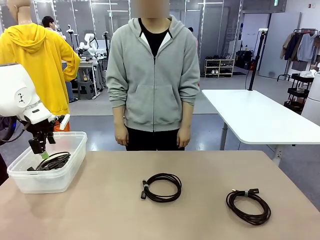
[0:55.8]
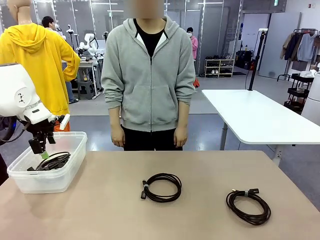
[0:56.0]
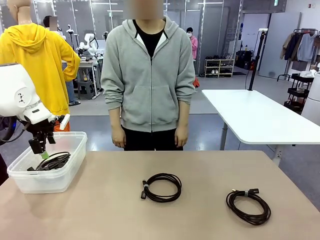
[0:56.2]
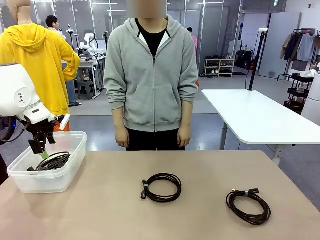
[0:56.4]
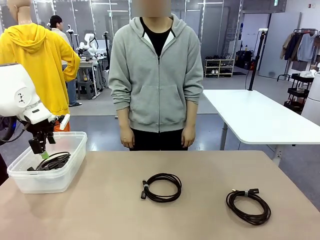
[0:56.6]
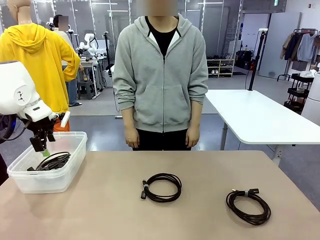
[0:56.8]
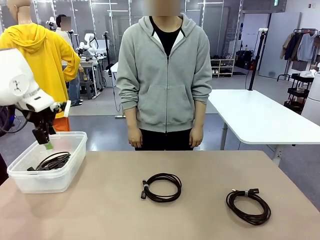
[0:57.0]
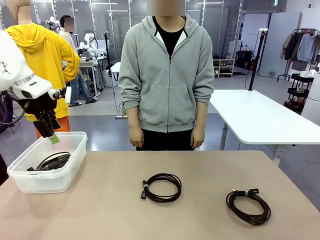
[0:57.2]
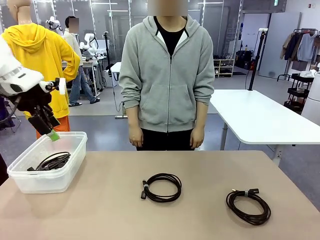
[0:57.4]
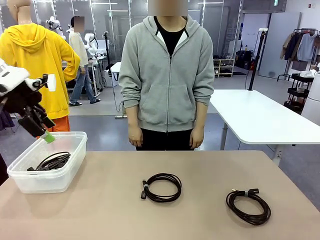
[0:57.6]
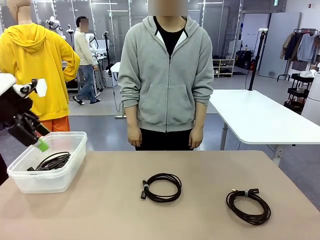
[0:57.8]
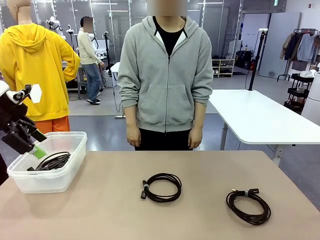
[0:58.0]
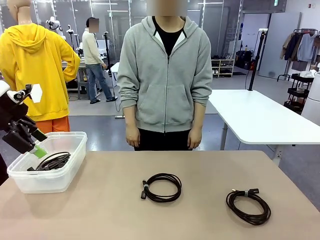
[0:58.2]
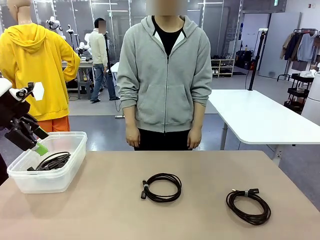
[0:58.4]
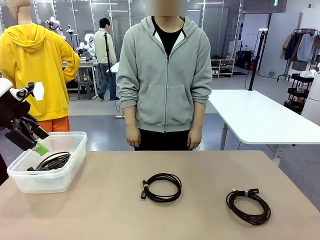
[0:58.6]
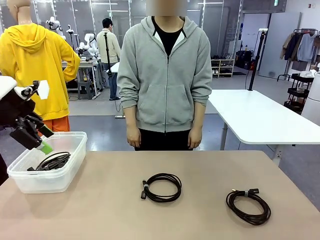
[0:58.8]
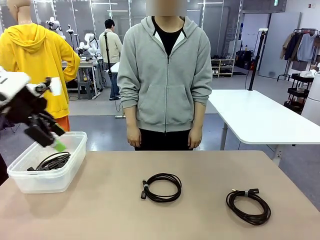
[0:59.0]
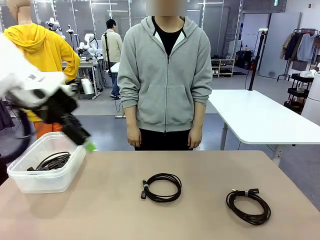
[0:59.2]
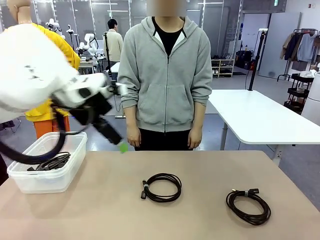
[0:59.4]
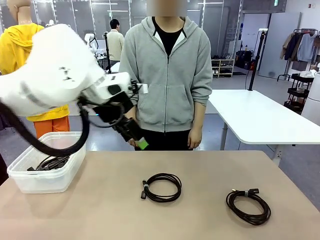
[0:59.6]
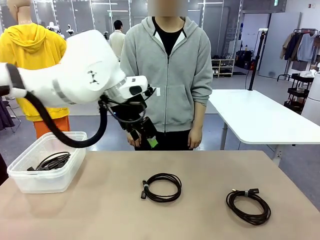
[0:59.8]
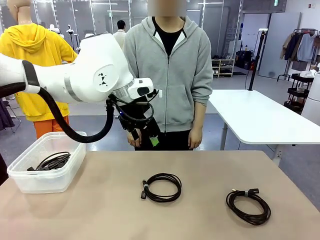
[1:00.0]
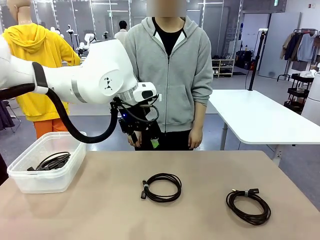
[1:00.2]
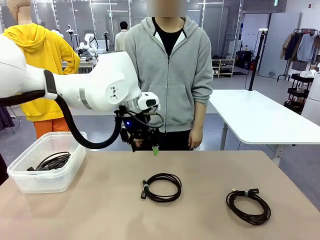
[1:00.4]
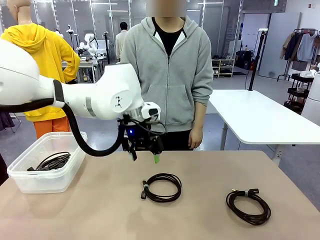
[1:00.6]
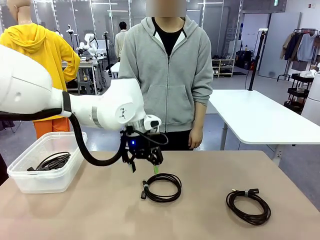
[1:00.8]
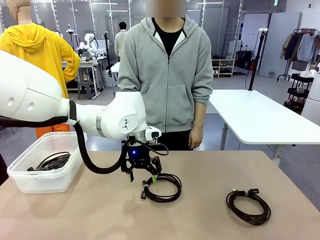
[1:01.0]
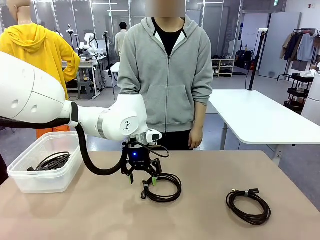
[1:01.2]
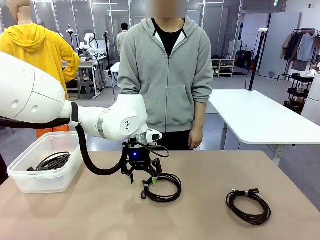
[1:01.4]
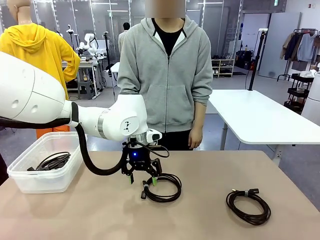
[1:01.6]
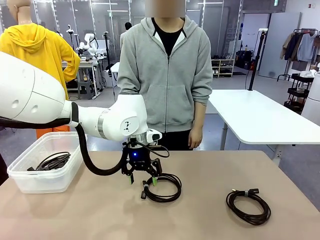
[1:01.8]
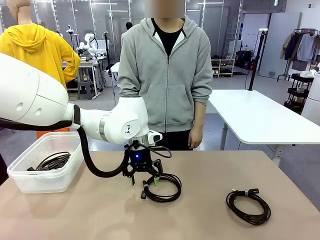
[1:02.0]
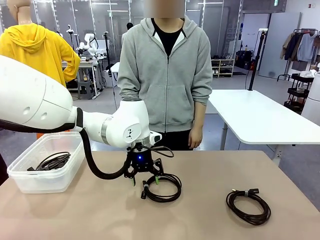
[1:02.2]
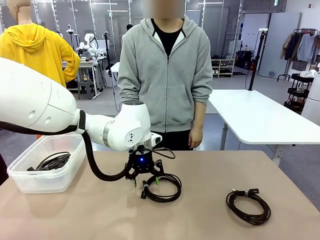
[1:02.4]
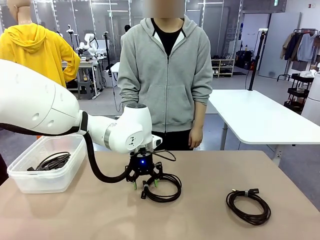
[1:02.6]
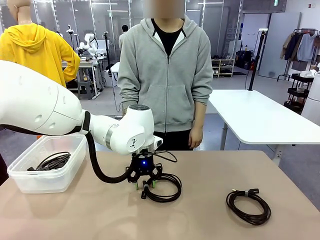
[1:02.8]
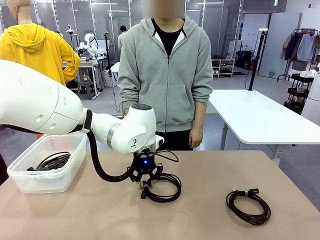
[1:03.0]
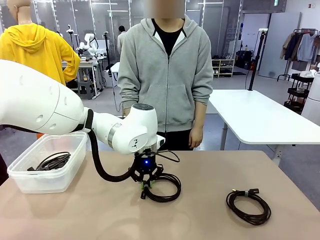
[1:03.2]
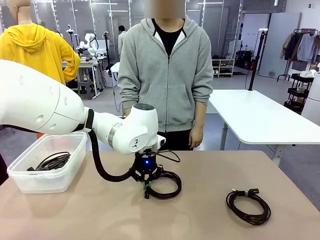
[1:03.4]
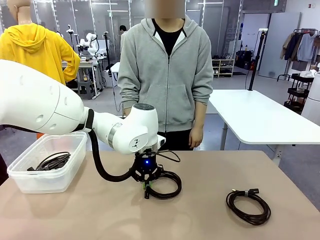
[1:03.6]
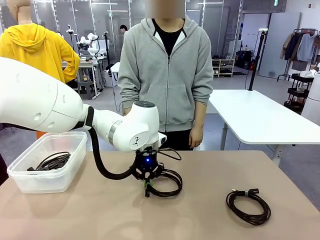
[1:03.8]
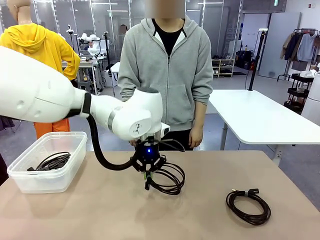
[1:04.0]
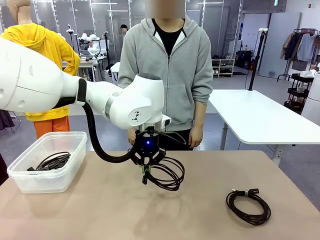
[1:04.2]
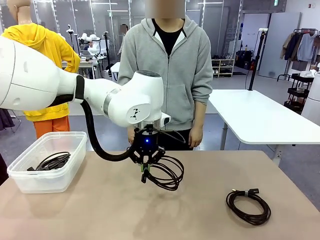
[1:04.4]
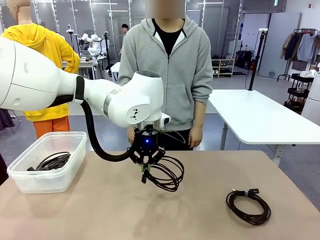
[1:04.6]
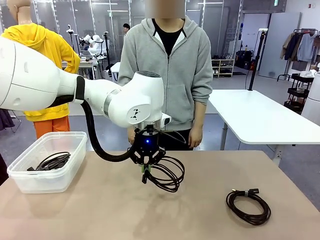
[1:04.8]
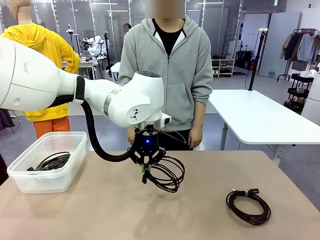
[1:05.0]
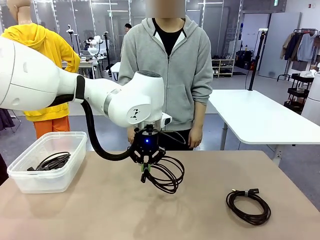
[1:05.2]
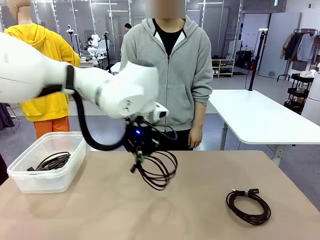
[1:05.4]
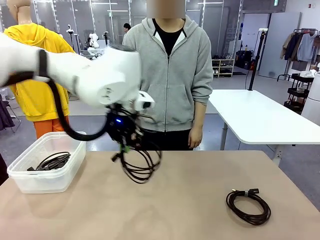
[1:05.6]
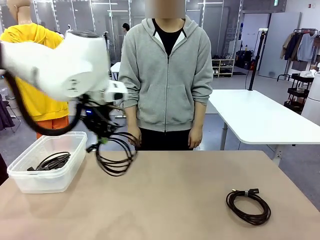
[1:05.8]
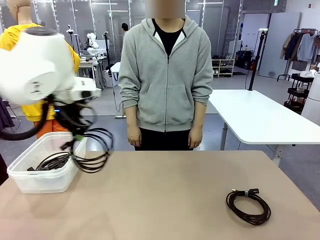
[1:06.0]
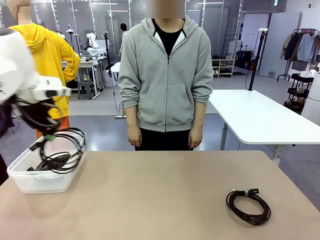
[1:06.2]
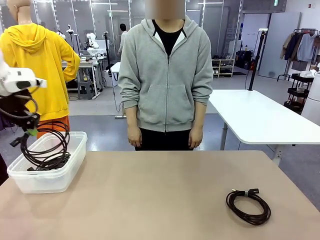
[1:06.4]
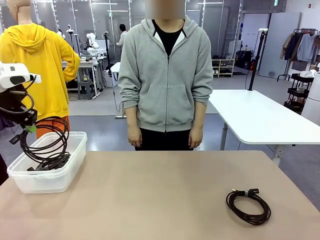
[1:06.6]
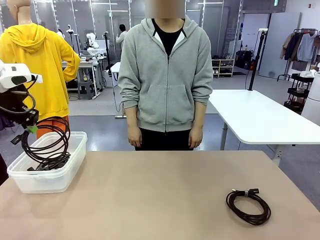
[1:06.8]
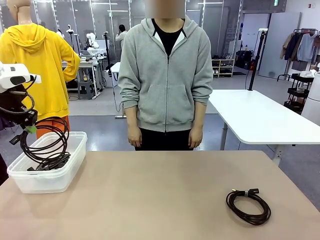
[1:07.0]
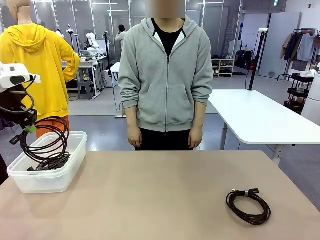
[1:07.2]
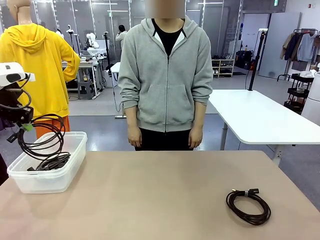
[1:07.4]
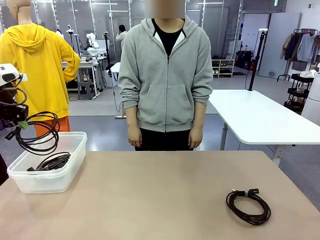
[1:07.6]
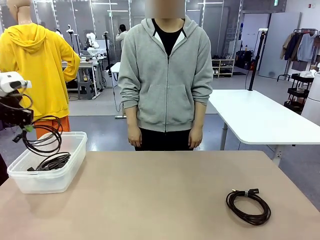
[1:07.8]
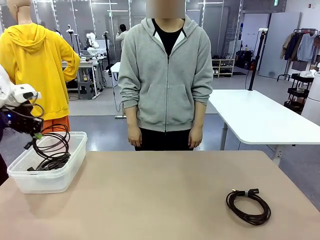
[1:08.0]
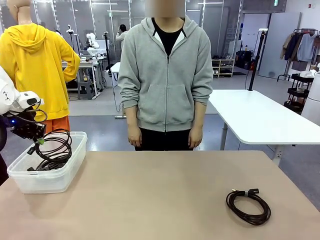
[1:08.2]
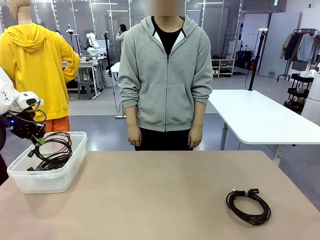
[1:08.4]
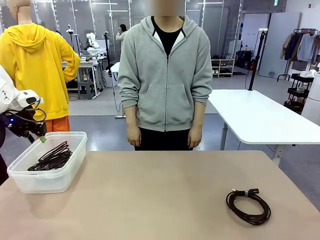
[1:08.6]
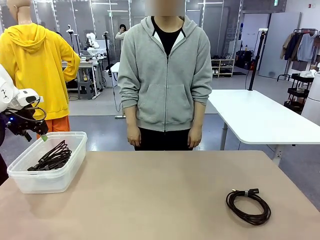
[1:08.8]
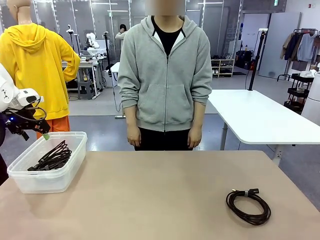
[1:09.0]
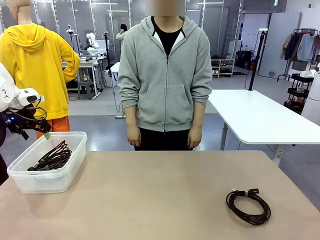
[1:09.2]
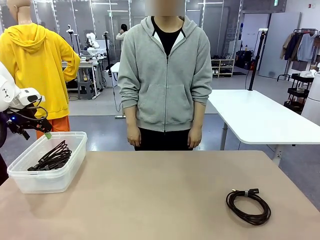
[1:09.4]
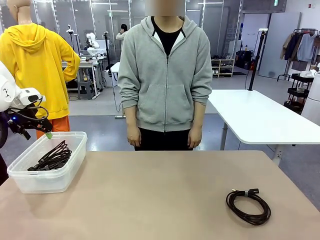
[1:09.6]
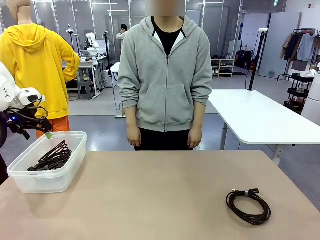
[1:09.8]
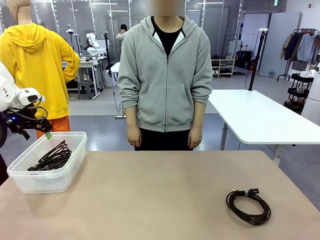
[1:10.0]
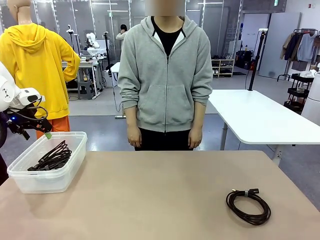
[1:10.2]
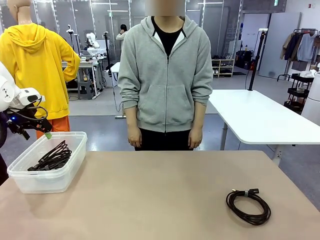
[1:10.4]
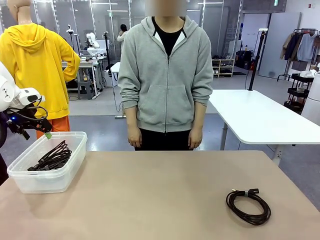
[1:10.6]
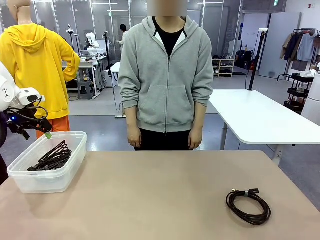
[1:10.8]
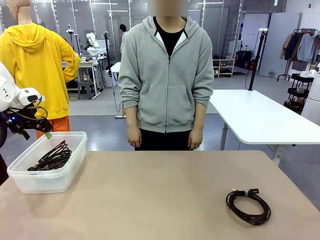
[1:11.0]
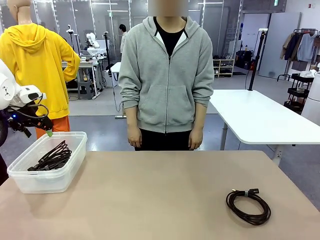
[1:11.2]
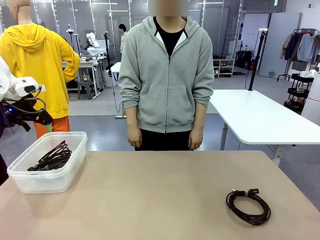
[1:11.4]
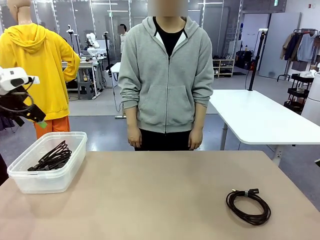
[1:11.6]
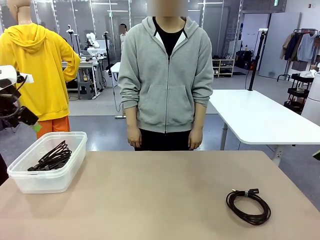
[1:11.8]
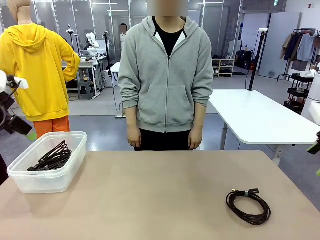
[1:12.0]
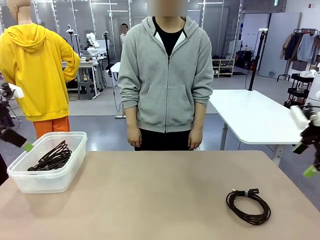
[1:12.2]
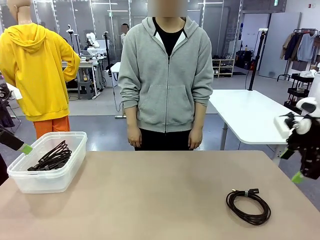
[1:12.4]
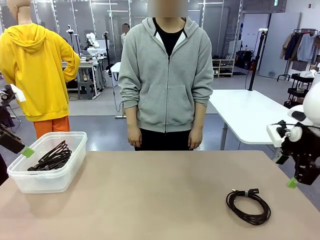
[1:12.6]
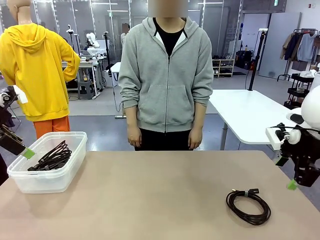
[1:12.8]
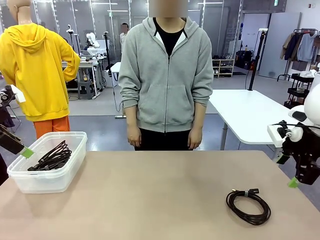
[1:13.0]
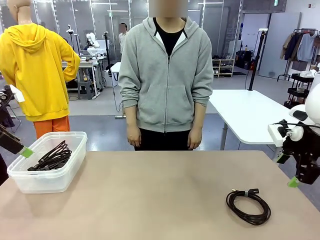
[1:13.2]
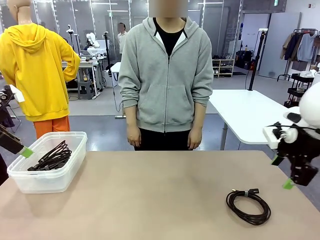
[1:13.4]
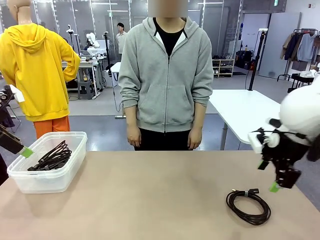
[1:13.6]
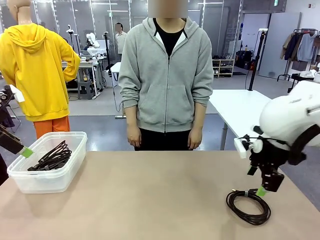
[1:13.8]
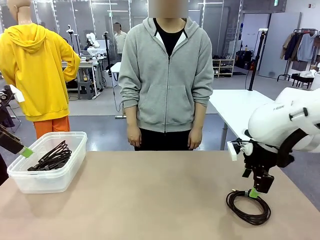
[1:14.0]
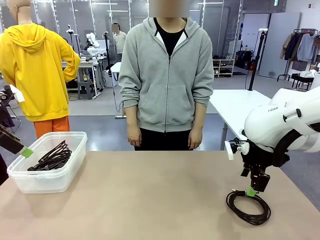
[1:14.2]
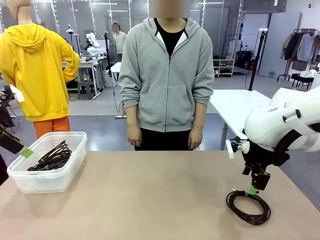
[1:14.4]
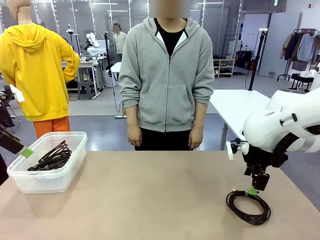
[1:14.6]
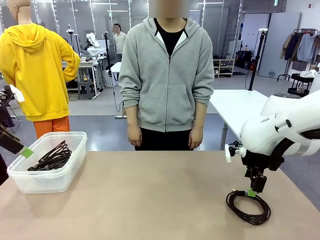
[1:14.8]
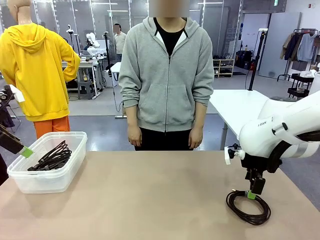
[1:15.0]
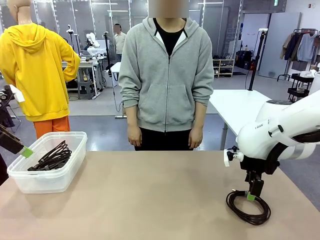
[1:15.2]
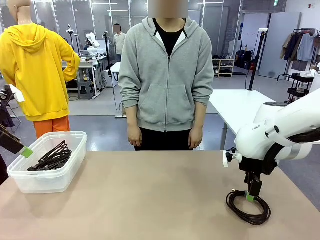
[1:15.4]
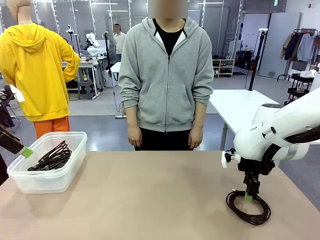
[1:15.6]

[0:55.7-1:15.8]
Task: Organize and store the cables.
Robot: Place the USB Extension Cable into the Organizing box.
